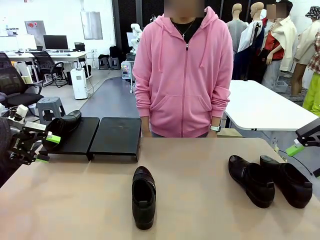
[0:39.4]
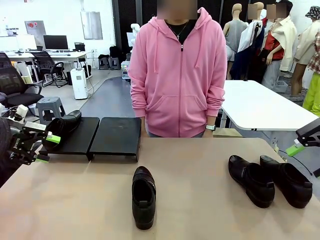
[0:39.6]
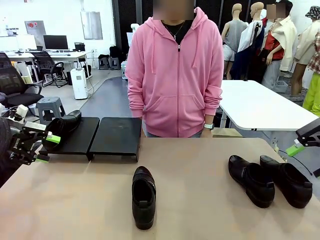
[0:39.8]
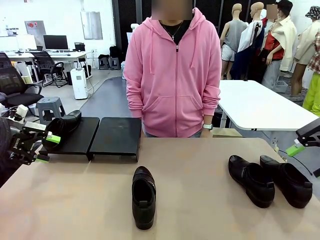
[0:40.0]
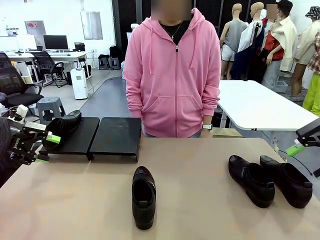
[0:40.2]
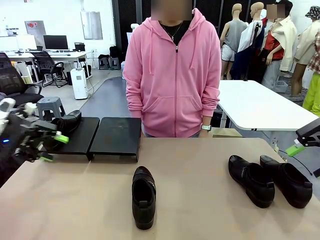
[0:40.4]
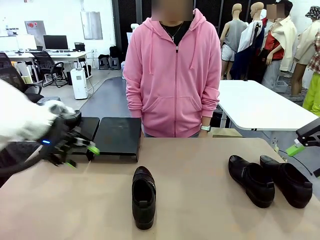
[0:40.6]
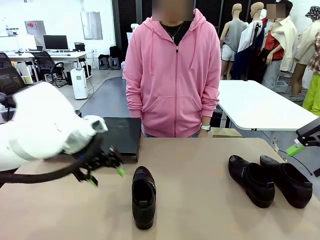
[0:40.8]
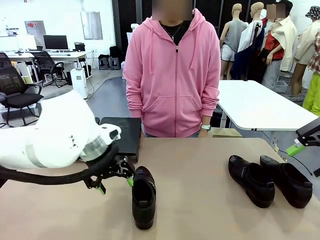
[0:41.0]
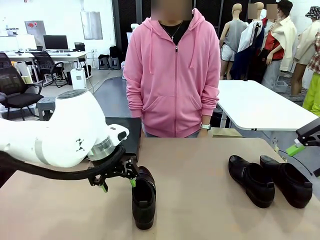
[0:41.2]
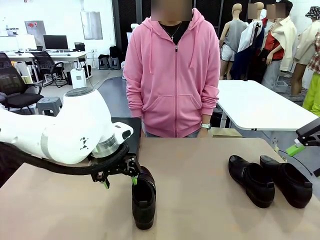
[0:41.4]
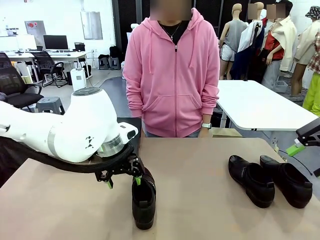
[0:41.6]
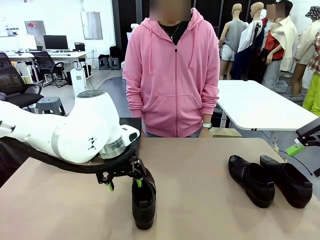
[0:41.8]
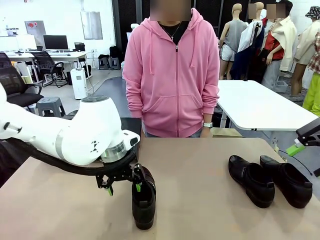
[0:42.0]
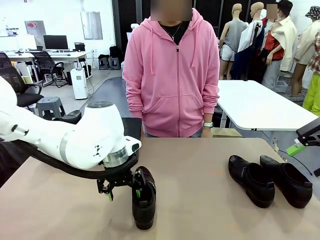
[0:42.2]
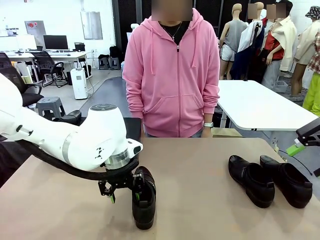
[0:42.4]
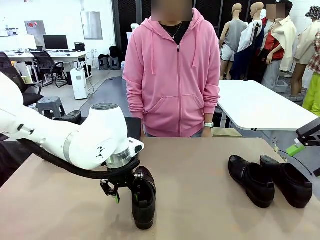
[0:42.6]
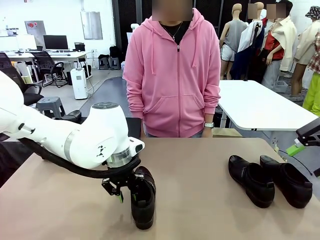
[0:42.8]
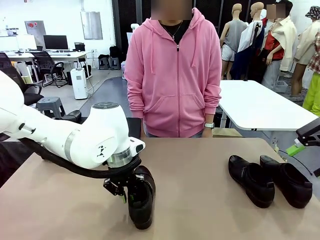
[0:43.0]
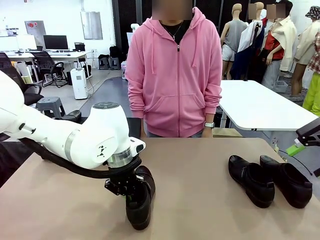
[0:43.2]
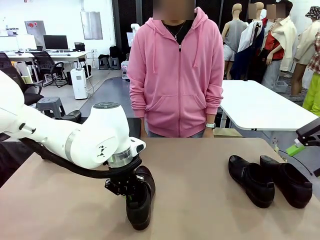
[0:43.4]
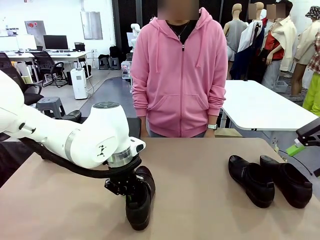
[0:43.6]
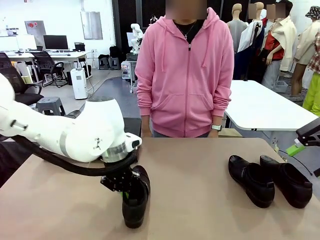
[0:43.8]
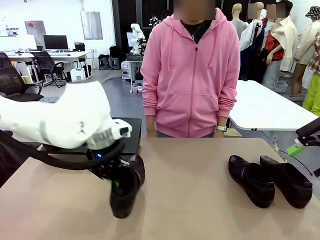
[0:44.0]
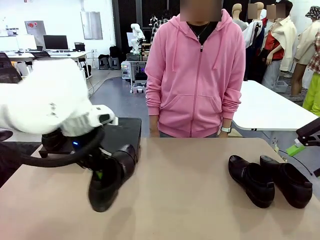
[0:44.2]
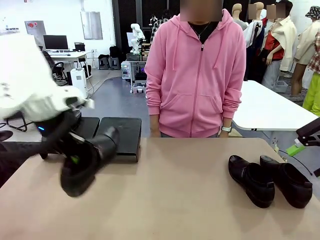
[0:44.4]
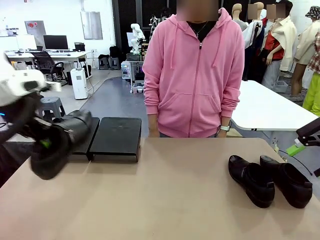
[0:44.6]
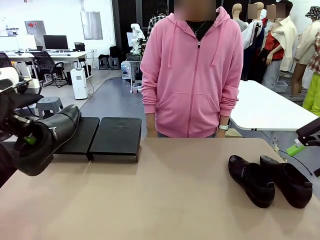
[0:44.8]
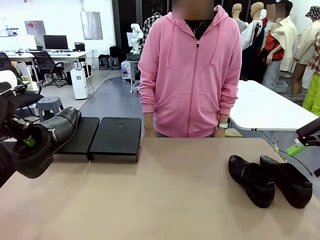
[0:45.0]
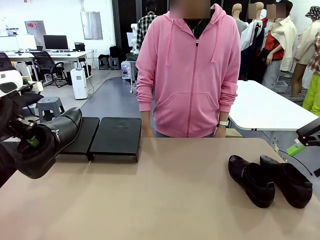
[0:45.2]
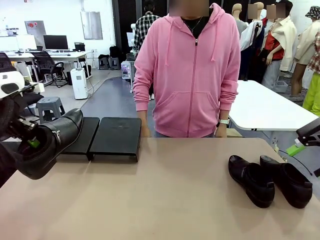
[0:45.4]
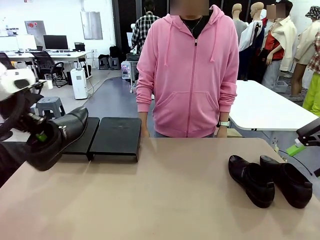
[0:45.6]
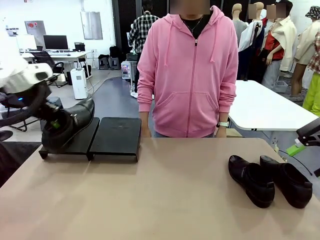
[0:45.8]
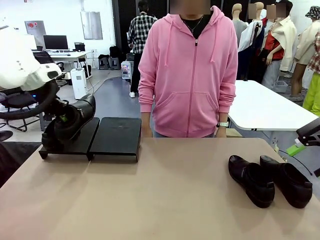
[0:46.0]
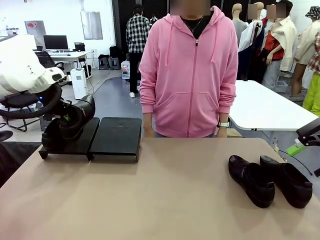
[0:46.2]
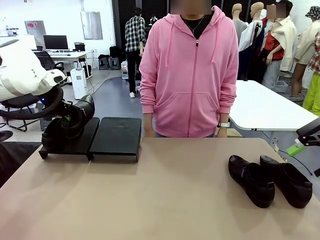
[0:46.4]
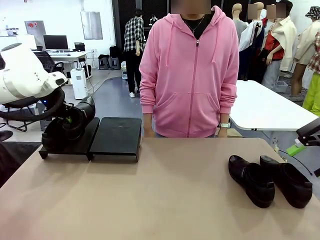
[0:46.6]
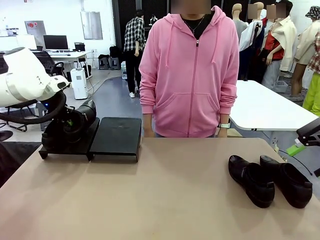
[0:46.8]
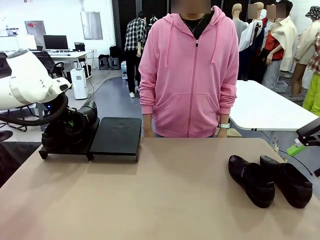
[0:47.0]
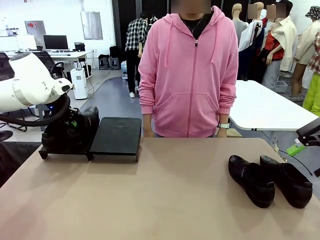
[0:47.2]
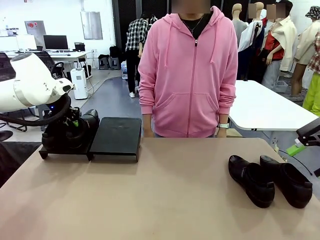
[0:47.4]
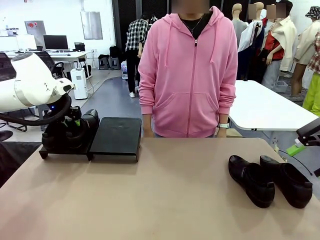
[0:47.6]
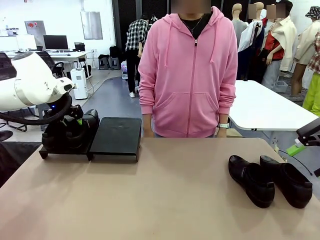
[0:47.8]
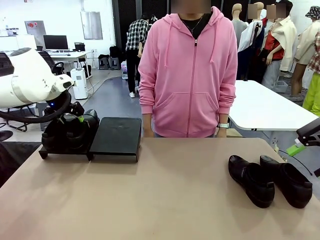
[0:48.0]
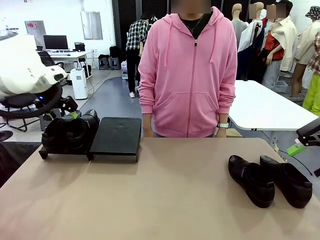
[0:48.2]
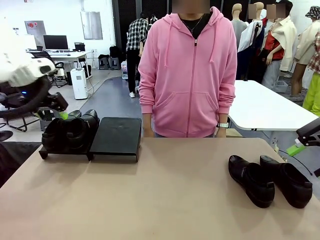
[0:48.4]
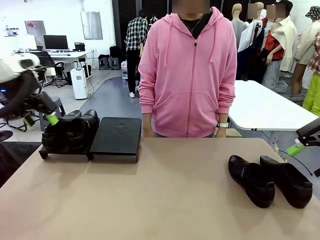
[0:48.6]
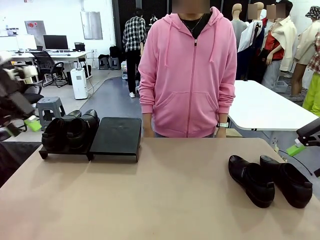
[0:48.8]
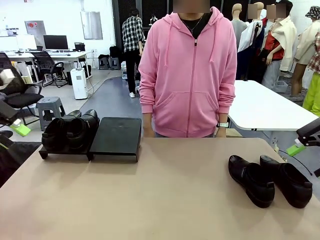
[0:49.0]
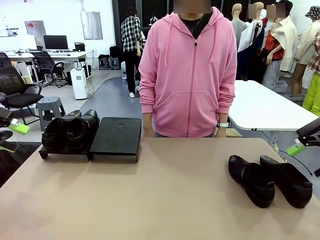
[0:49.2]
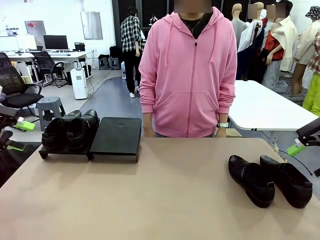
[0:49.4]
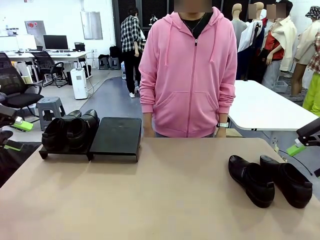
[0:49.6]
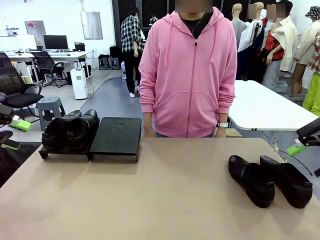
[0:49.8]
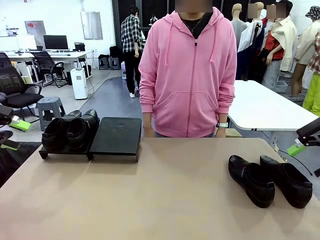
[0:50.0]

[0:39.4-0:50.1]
Task: Organize the shoes by placing them on the stand.
Robot: Place the Shoe from the middle of the table onto the Shoes Stand.

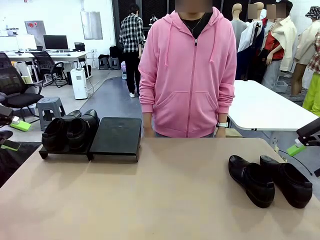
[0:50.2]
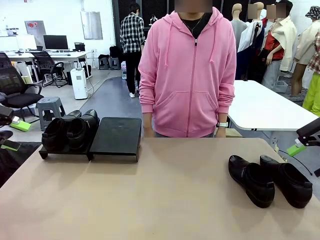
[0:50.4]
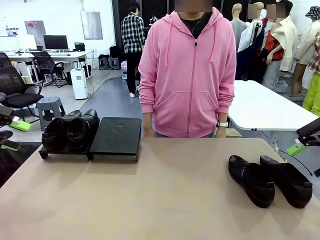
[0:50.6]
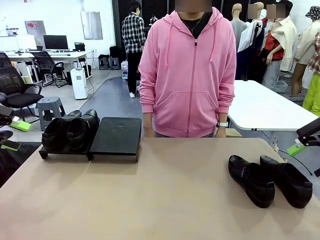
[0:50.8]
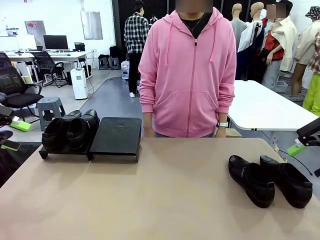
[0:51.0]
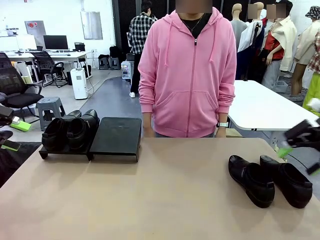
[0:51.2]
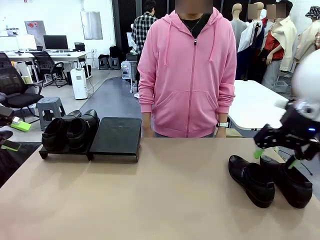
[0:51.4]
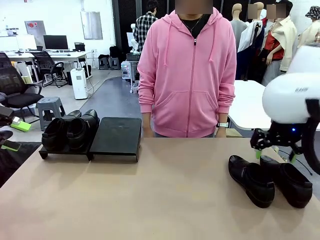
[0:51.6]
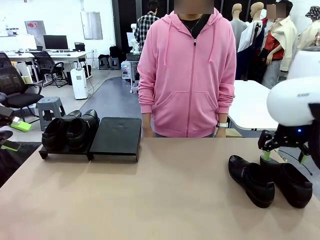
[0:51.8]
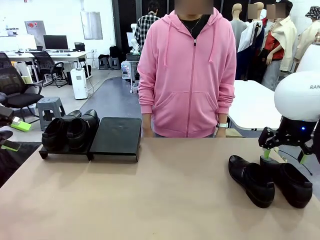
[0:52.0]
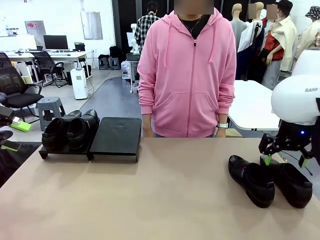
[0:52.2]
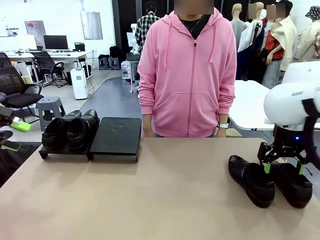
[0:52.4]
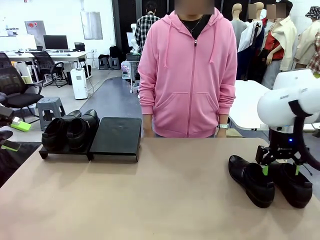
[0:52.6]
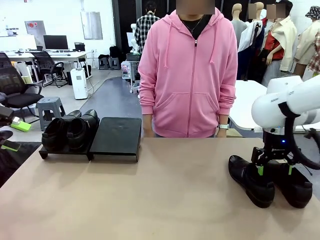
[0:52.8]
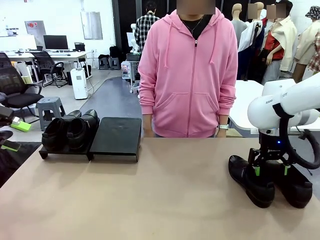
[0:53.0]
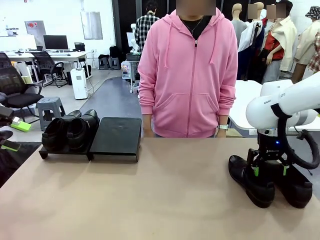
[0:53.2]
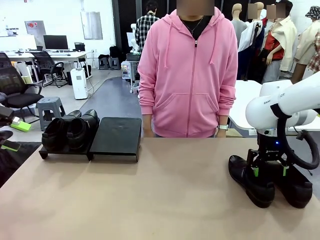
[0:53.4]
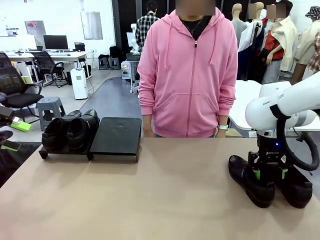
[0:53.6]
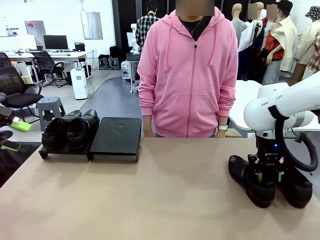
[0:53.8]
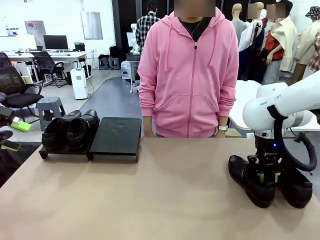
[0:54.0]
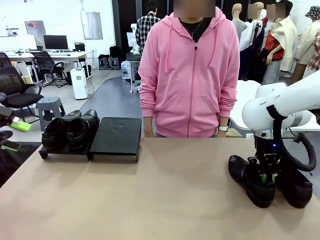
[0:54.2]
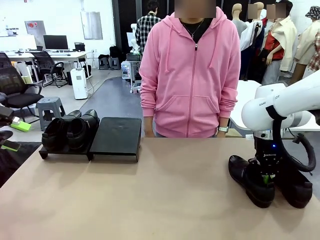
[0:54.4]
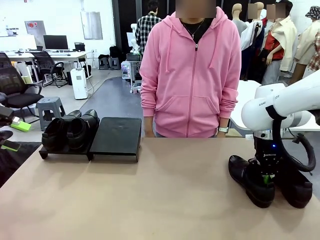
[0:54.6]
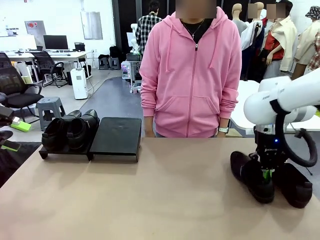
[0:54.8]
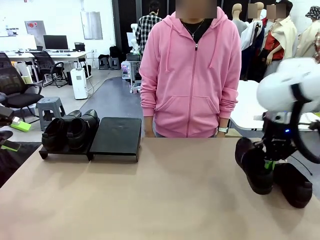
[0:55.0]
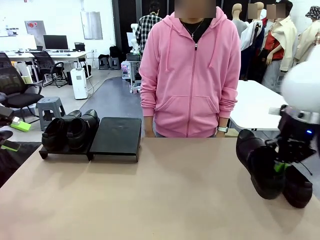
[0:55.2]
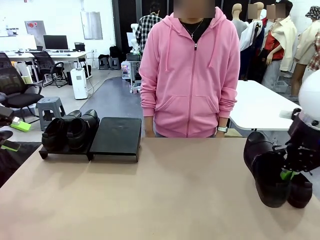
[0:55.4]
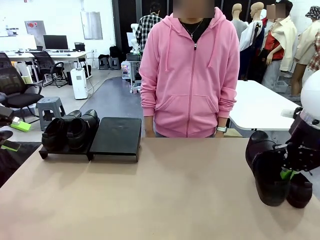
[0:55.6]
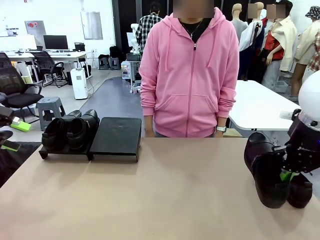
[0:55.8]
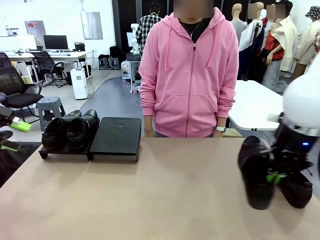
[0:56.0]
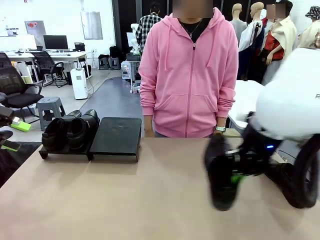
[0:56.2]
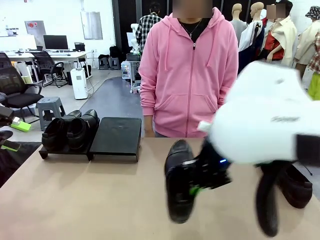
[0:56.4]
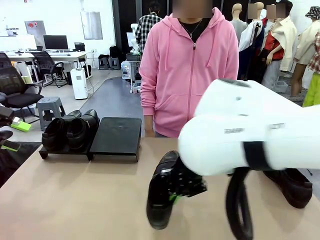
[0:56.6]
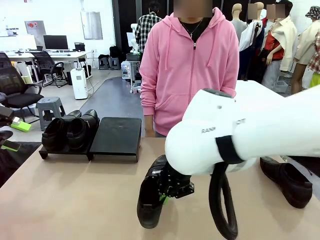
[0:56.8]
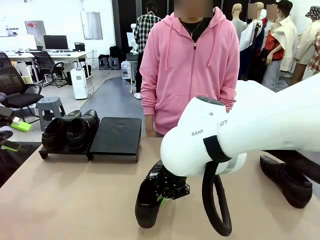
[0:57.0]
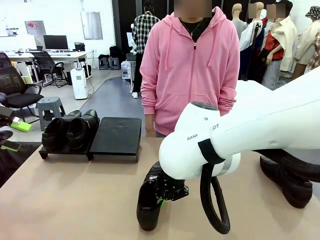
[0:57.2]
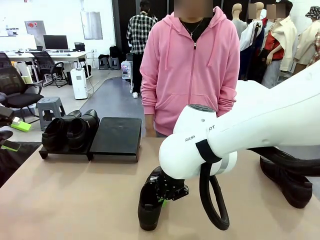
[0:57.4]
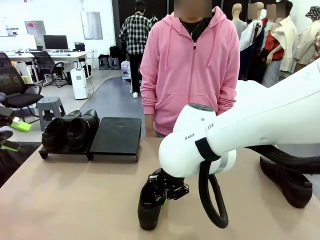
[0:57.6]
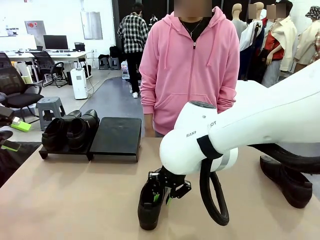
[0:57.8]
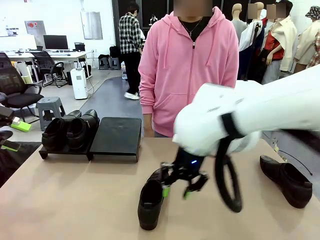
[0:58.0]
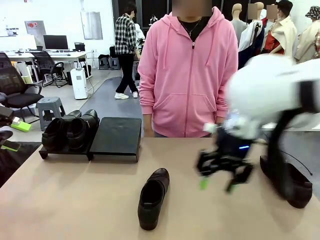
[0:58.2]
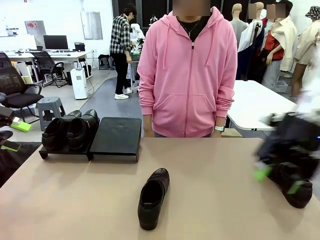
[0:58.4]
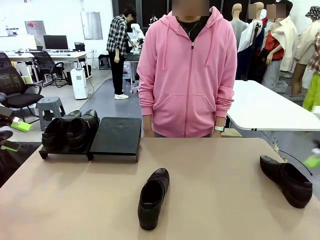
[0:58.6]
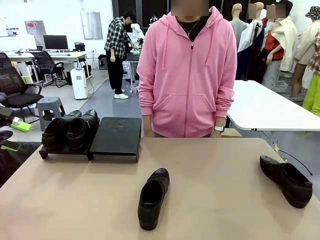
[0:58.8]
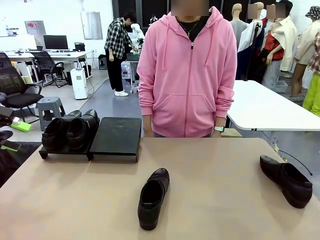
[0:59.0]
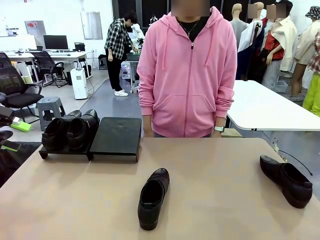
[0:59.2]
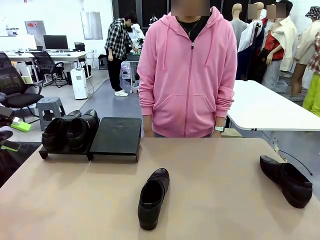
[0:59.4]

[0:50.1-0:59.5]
Robot: Pick up one Shoe and place it in the middle of the table.
